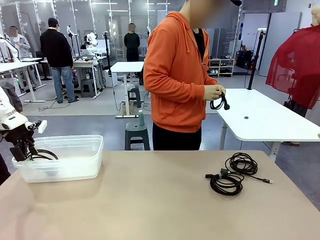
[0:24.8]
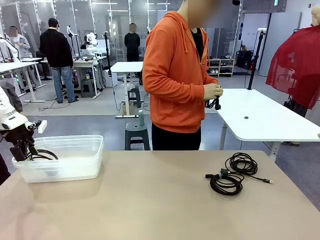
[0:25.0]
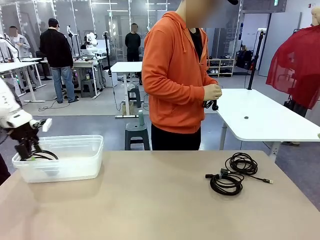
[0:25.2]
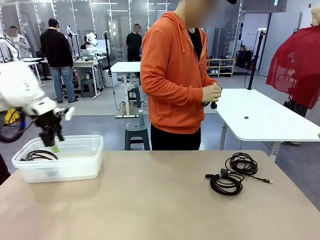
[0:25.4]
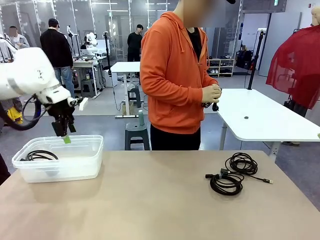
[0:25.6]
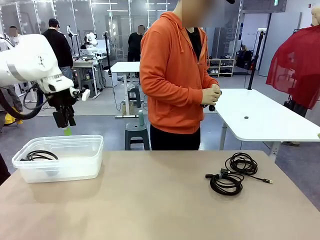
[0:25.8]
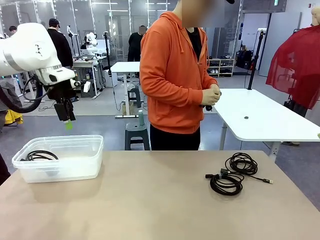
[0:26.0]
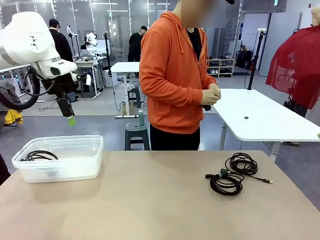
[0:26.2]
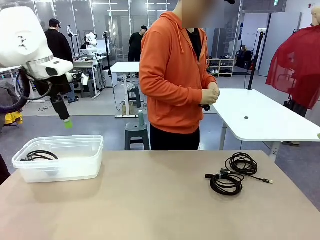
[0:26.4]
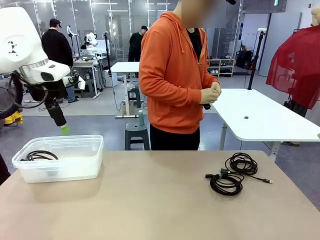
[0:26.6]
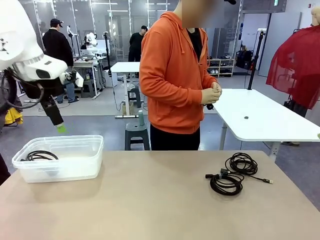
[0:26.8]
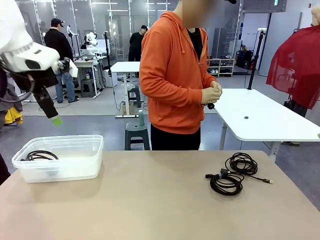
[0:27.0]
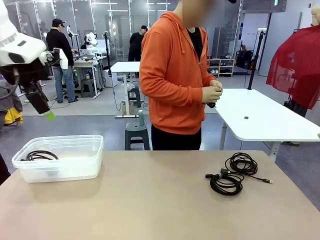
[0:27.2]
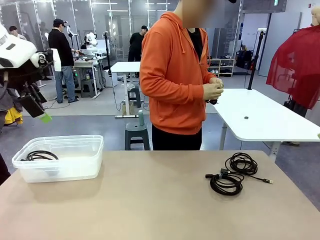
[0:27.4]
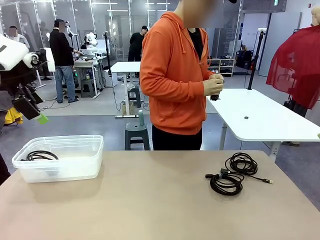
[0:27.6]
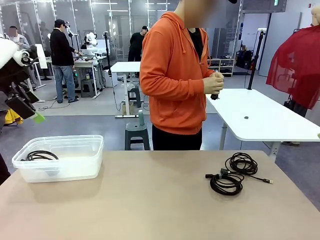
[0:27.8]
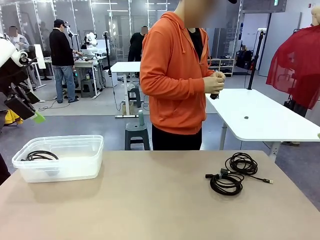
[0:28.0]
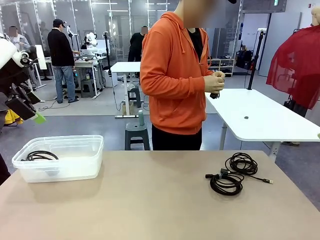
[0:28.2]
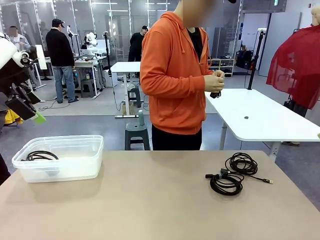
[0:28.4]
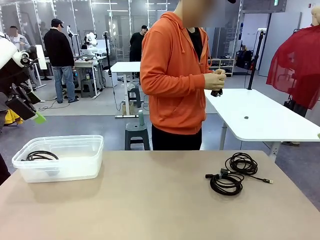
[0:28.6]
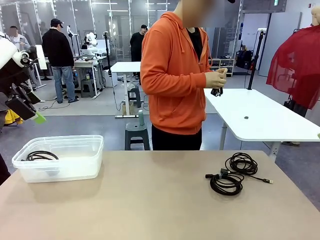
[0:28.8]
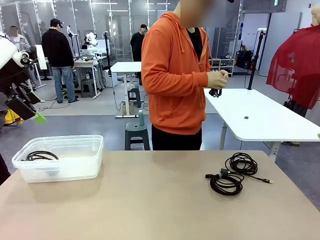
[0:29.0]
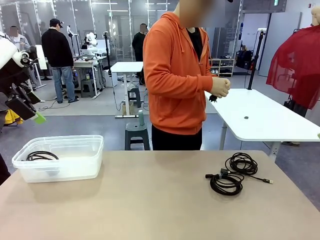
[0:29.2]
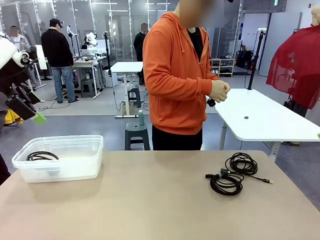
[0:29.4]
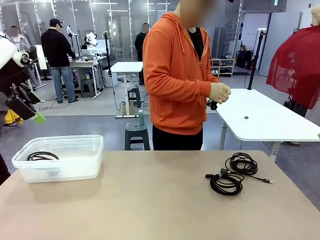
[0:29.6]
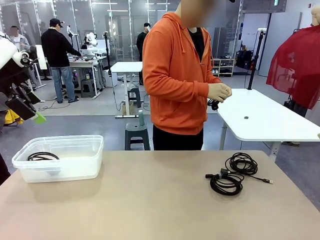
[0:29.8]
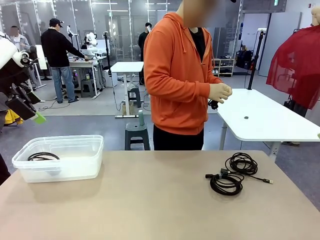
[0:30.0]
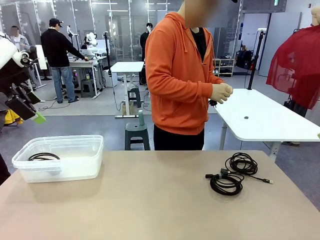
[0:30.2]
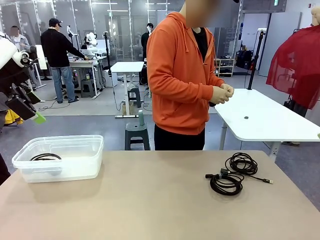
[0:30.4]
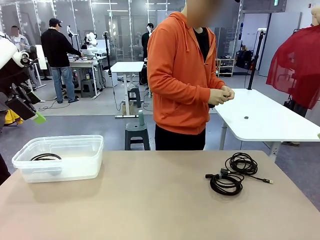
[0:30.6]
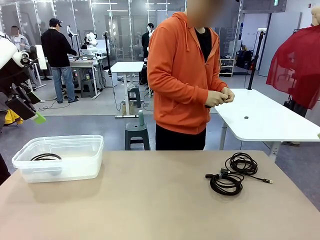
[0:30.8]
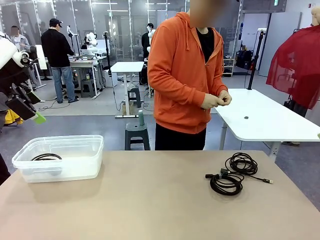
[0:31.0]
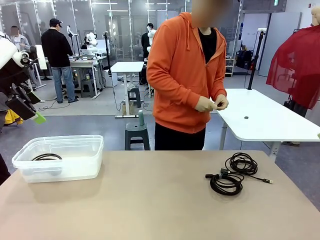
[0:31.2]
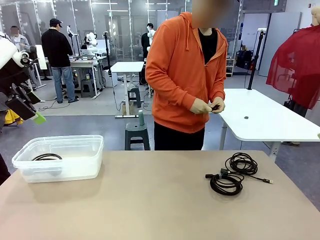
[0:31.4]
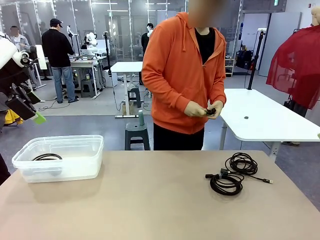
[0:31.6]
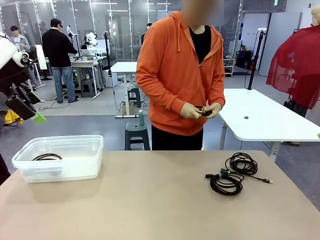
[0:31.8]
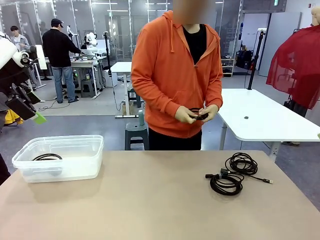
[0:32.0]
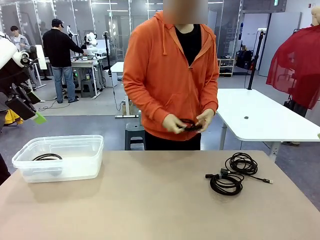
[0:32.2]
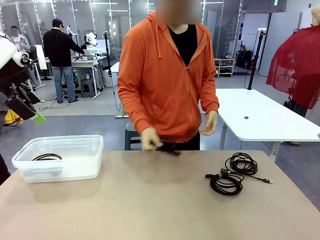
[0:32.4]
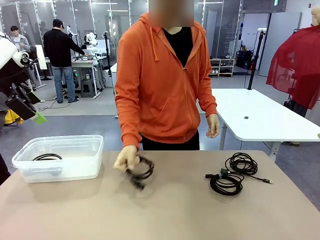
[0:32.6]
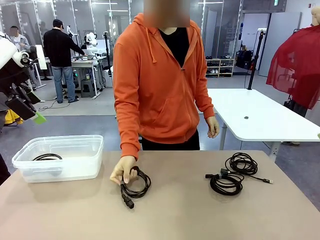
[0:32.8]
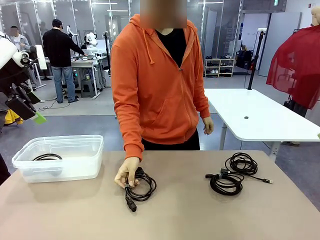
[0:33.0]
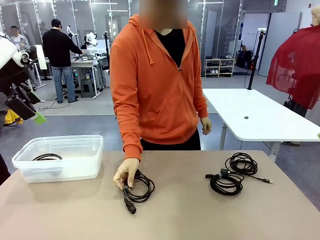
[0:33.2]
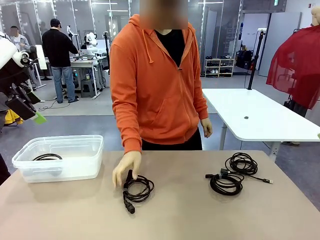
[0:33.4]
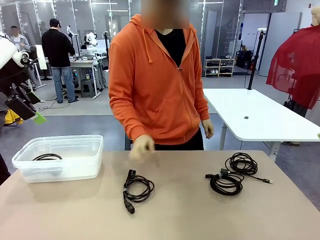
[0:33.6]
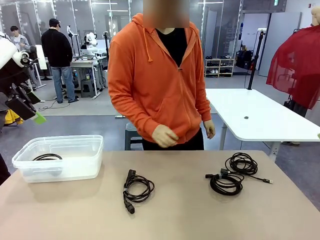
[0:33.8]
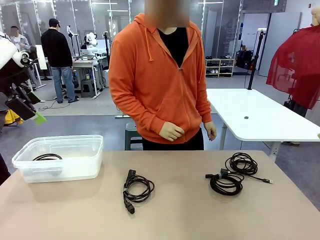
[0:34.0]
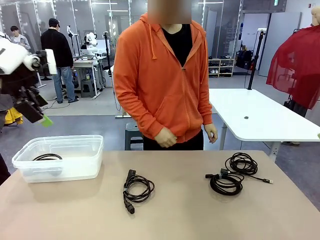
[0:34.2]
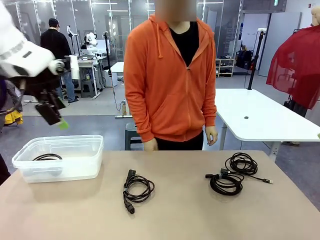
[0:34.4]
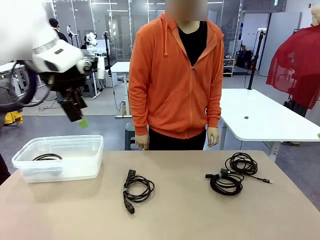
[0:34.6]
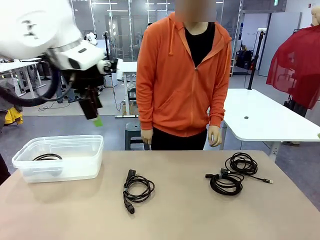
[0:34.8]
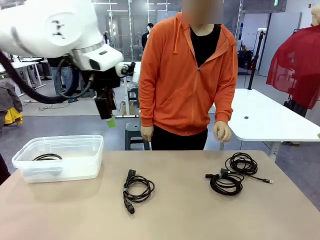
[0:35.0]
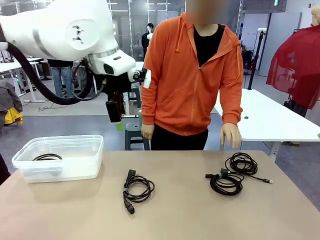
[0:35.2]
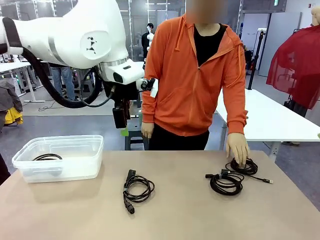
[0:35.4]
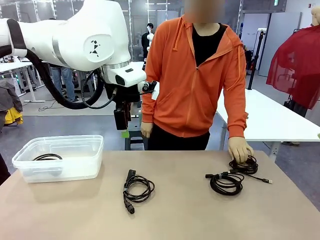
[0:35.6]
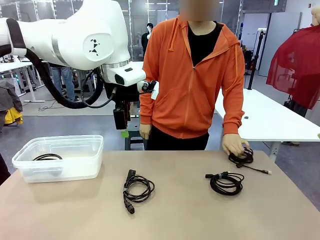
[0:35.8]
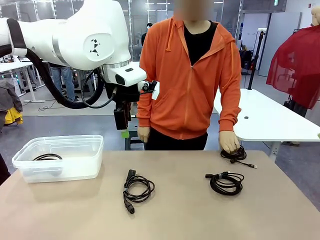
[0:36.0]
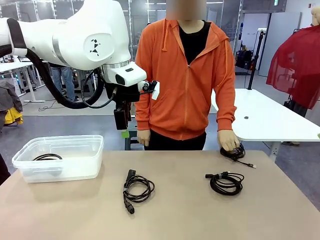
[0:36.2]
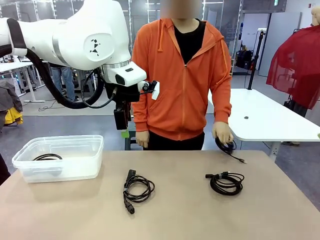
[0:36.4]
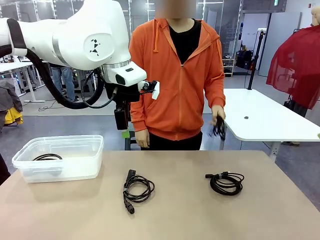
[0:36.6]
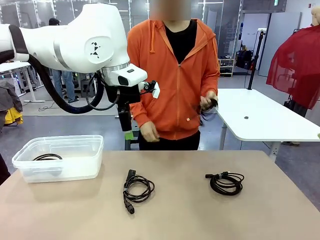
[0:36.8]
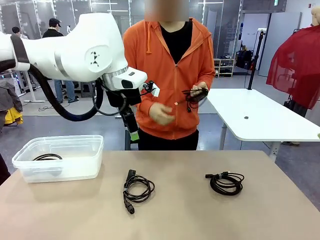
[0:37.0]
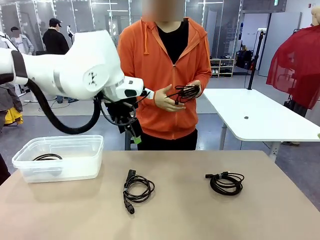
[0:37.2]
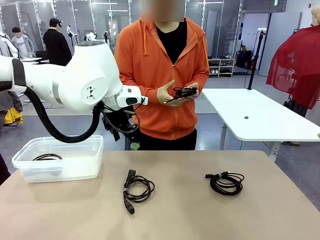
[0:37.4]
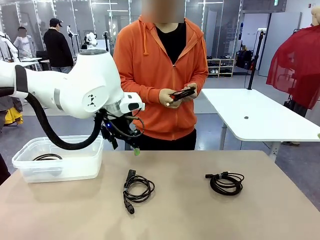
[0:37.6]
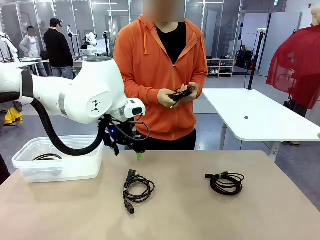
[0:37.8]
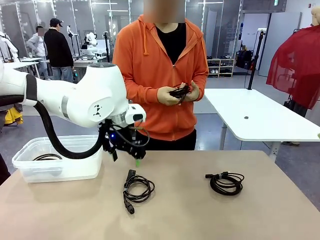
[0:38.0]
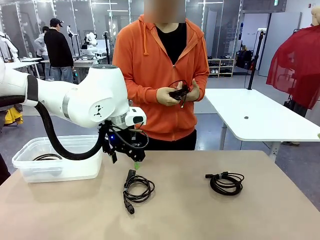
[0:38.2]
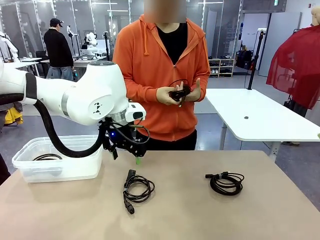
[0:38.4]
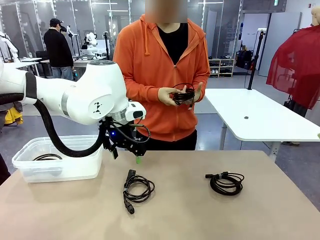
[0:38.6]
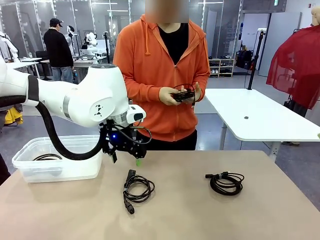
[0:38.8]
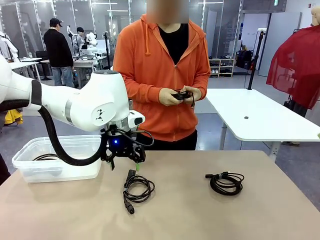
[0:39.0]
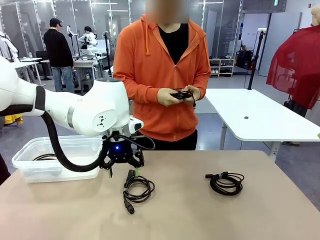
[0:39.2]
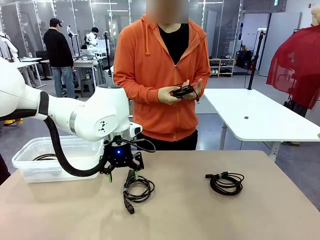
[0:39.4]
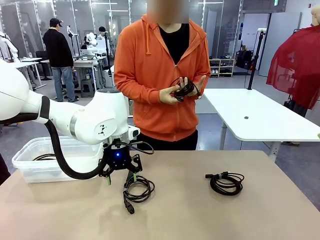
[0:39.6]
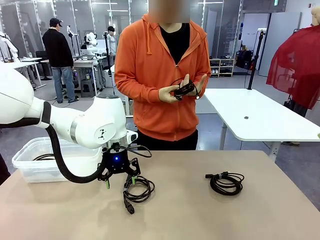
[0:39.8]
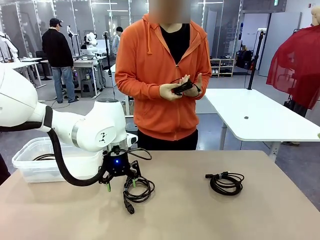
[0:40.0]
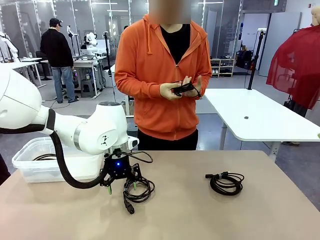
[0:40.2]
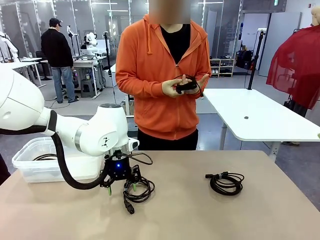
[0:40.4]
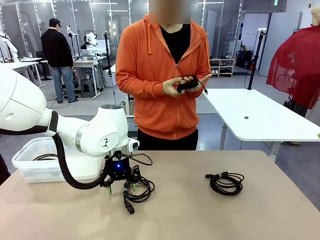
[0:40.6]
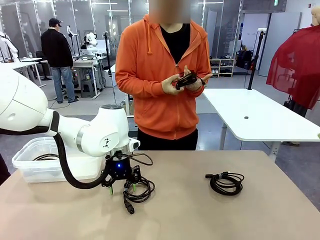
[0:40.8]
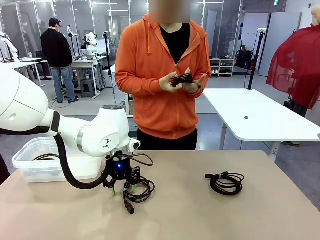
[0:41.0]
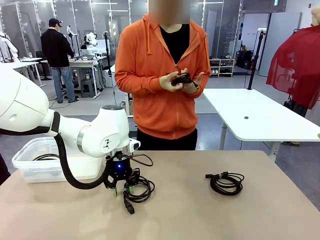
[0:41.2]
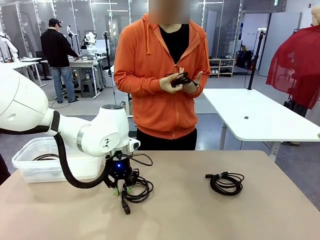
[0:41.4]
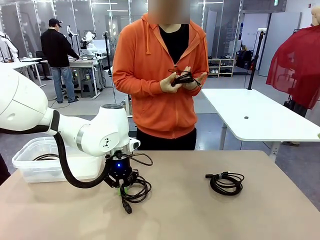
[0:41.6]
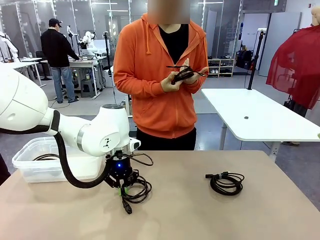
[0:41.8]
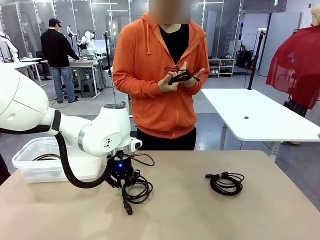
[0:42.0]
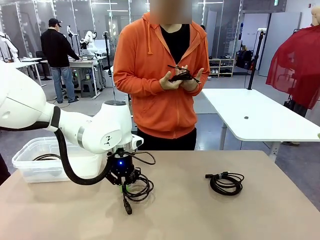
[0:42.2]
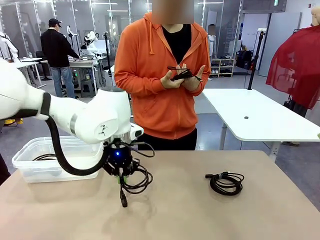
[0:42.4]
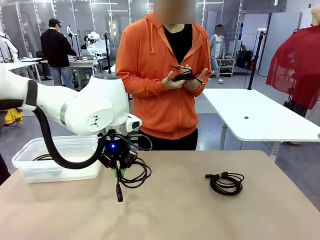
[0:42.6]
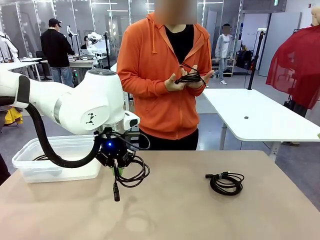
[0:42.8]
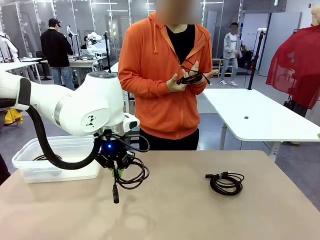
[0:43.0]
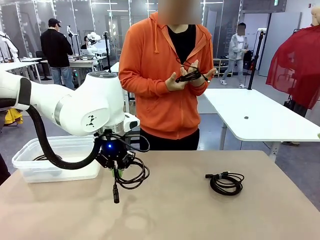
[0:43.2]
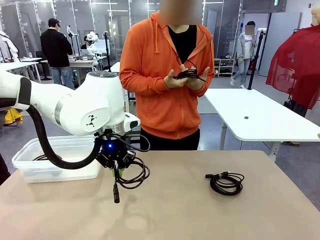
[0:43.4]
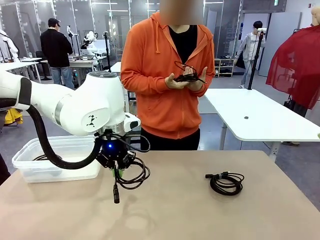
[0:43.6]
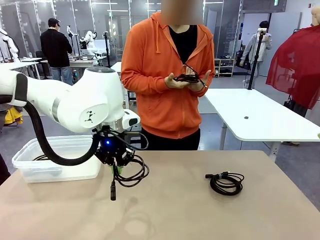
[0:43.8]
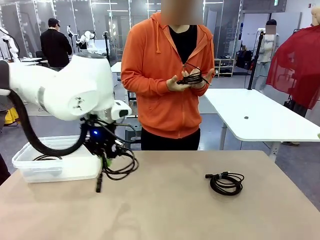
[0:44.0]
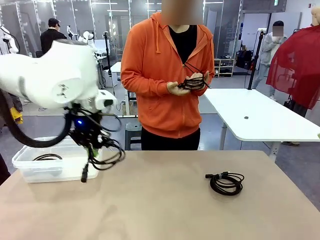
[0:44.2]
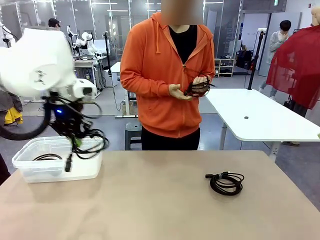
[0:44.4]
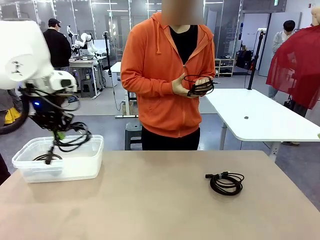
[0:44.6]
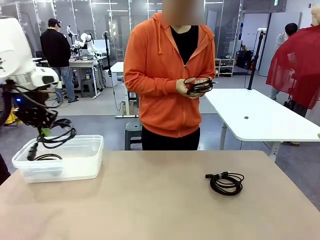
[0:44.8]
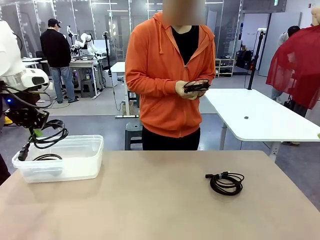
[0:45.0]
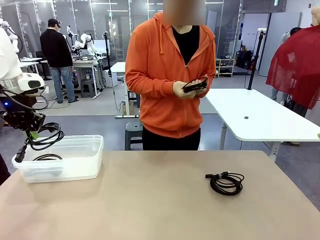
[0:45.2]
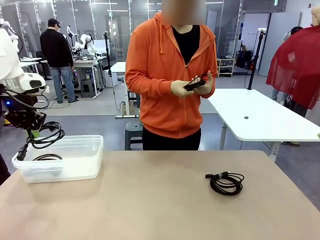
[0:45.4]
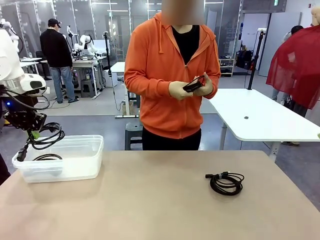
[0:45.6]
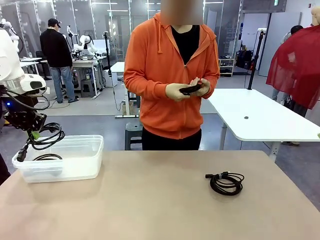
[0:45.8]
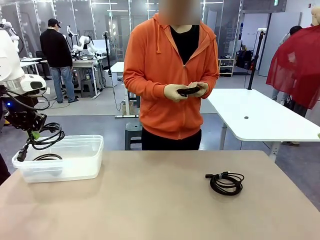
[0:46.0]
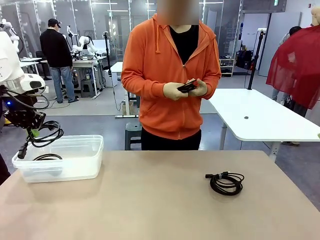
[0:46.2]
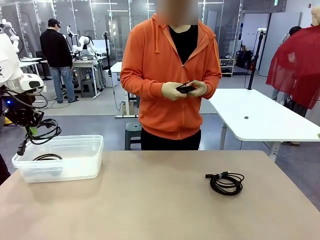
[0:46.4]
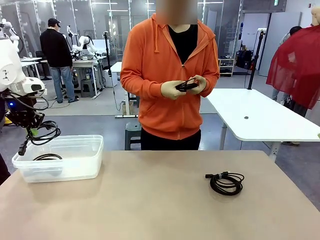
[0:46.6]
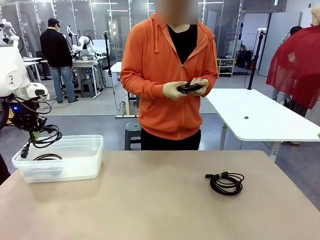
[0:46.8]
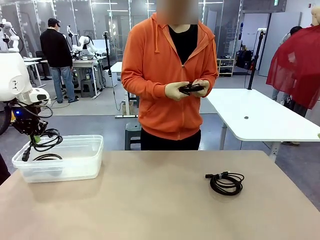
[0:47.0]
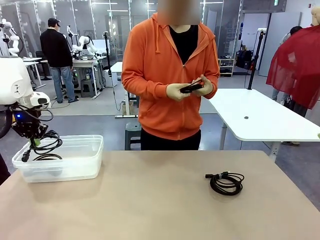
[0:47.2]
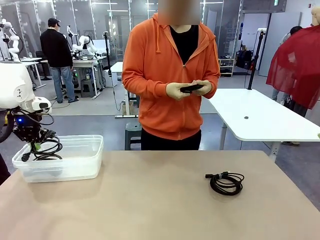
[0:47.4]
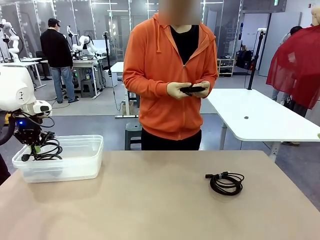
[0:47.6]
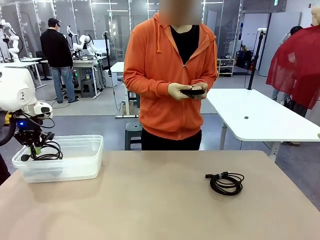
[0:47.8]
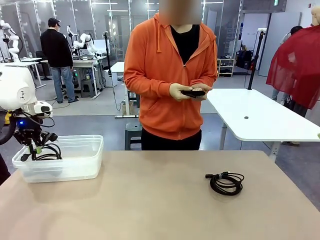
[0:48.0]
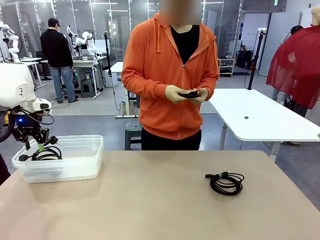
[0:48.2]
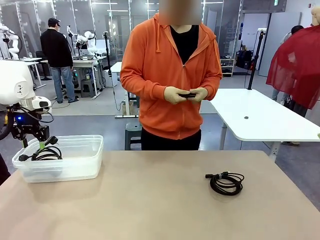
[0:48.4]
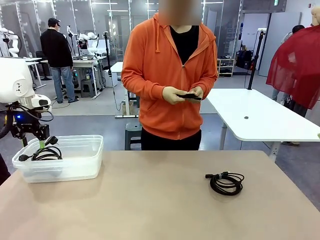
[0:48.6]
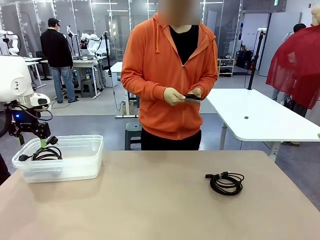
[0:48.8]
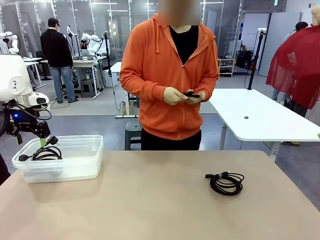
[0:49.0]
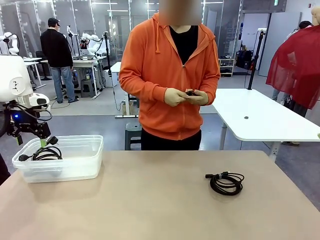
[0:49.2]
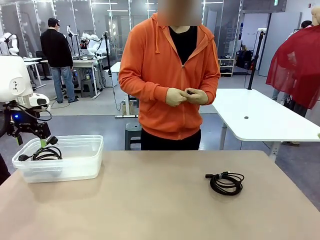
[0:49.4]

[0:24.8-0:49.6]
Task: Organize and store the cables.
Robot: Place the Power Cable into the Organizing box.
